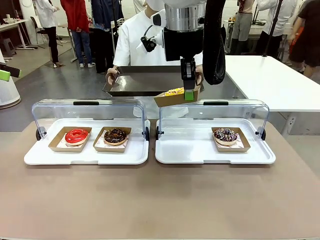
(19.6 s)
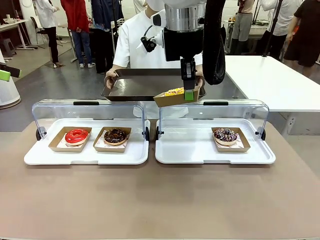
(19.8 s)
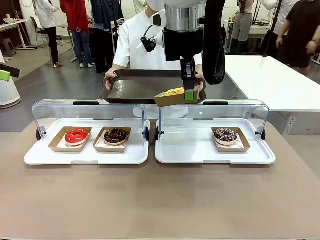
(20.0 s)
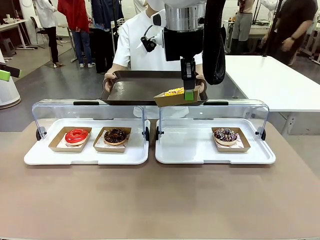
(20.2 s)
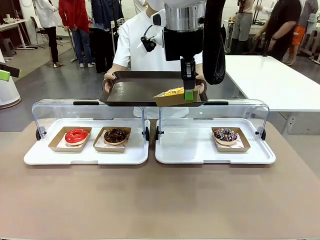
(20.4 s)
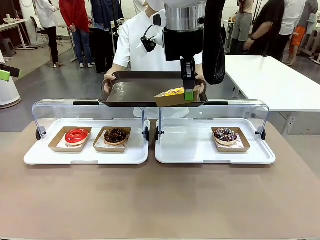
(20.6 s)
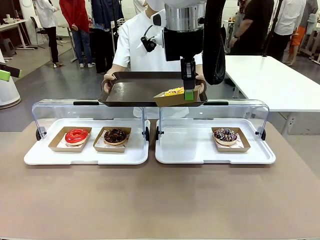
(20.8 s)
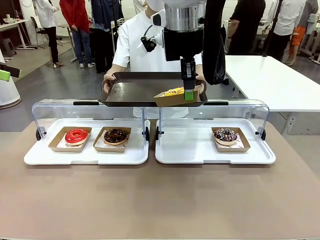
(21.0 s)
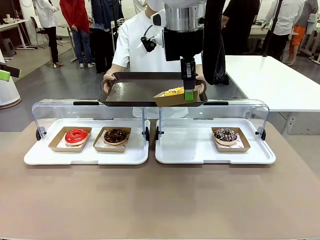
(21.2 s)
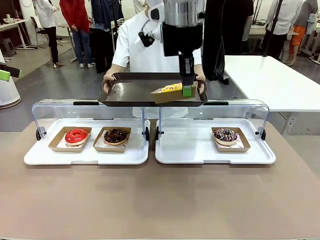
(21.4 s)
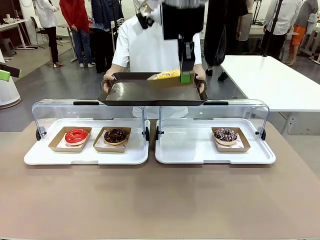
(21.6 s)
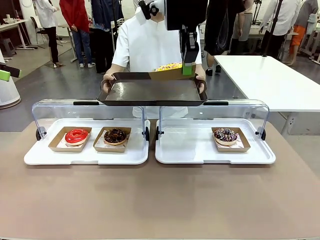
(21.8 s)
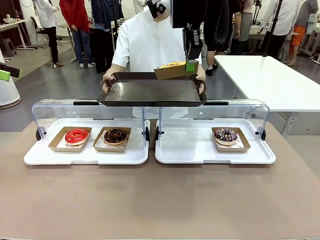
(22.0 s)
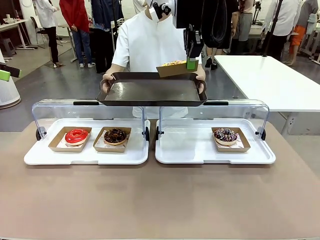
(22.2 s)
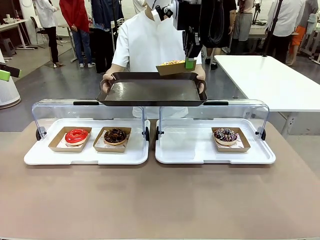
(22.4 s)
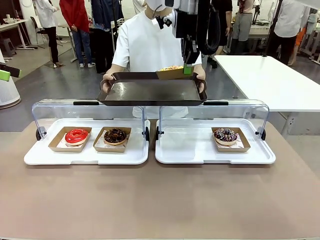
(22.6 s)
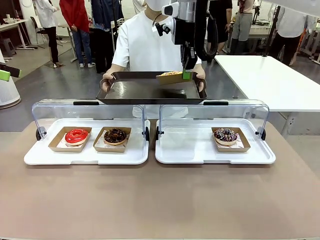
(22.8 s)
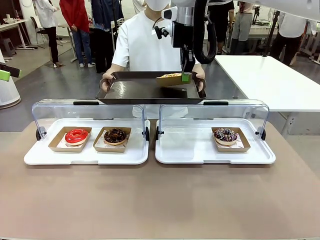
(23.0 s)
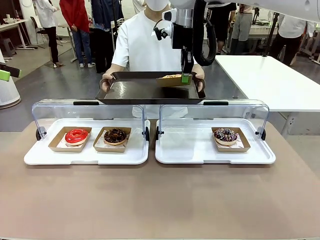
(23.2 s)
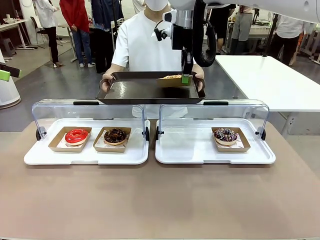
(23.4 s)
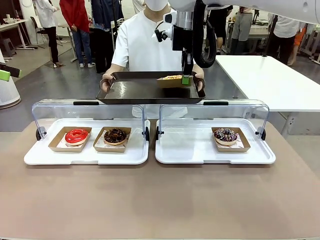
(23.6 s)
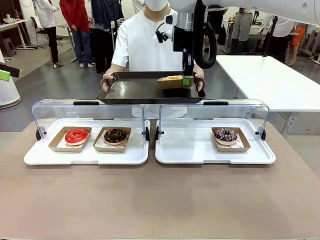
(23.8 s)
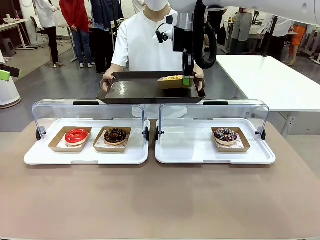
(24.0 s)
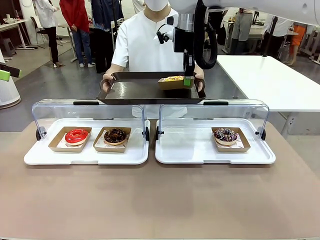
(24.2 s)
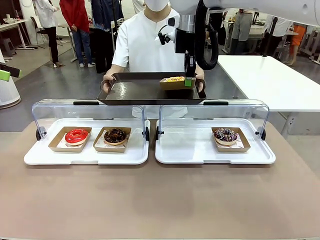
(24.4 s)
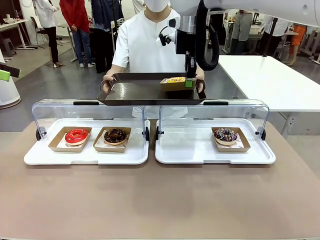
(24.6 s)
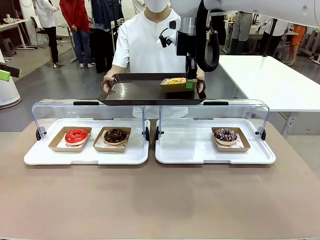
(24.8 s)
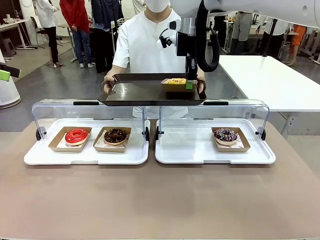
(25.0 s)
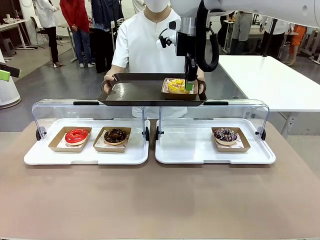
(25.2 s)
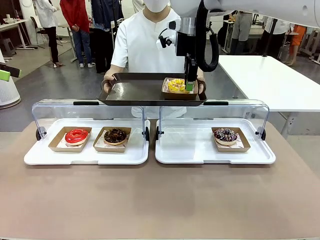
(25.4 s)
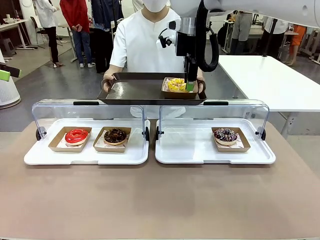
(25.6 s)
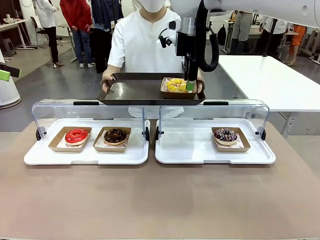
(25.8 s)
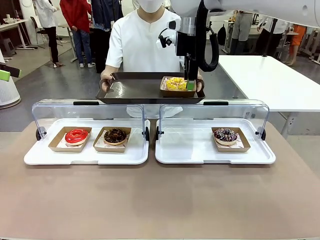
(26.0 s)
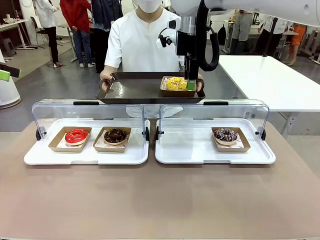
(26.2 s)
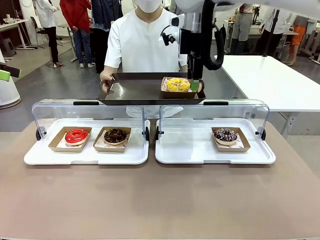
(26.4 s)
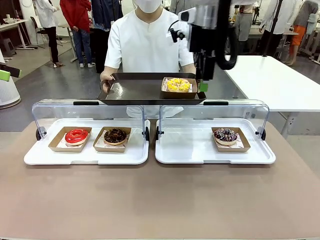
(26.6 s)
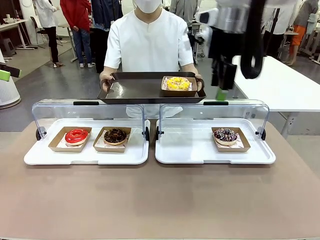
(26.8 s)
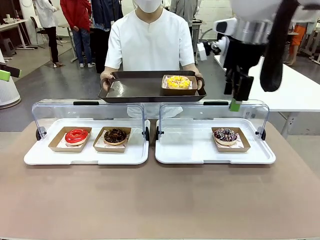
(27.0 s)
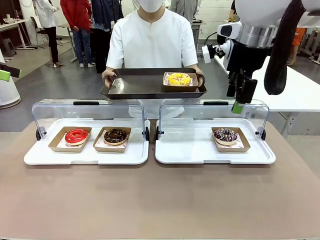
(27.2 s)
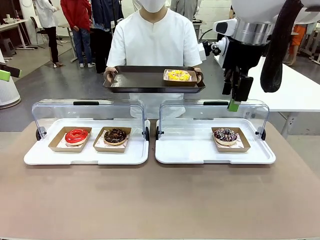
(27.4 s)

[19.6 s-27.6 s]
Task: Provide the desired donut to the person.
Robot: Place the picked Paper togo box onto the Handle tray extended by the person.

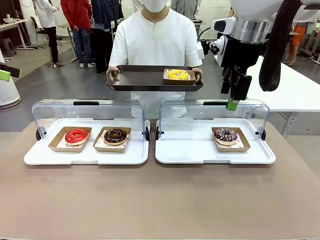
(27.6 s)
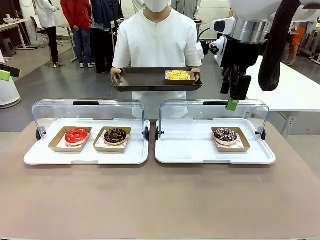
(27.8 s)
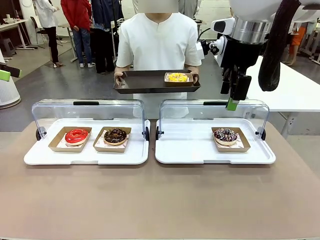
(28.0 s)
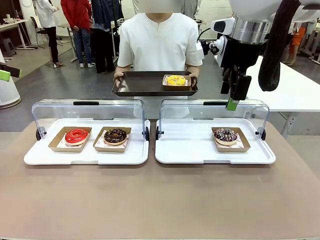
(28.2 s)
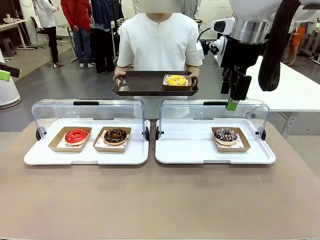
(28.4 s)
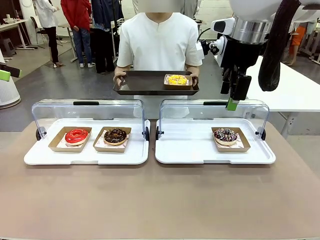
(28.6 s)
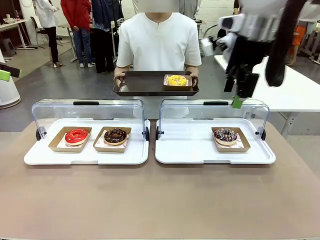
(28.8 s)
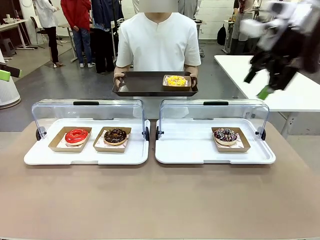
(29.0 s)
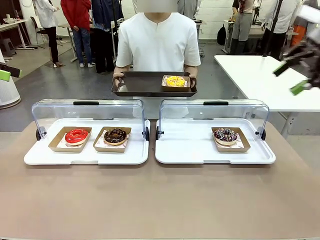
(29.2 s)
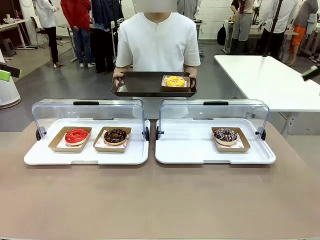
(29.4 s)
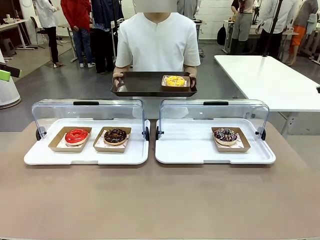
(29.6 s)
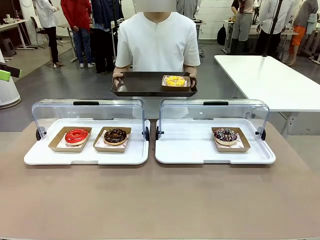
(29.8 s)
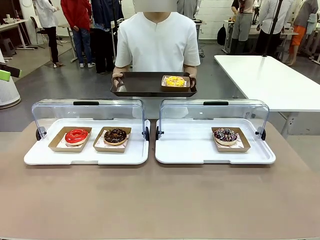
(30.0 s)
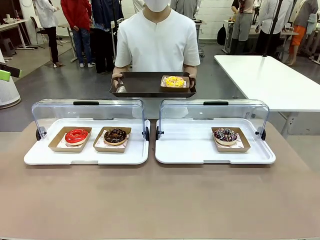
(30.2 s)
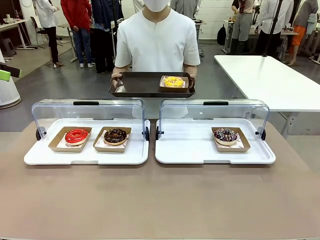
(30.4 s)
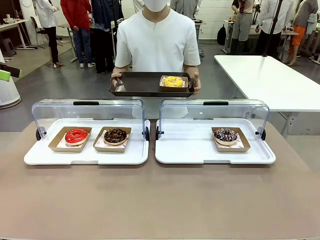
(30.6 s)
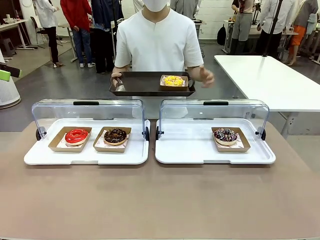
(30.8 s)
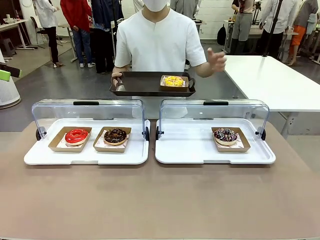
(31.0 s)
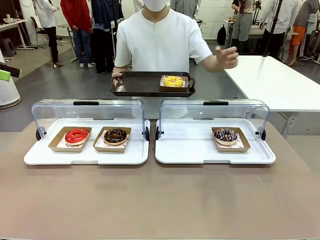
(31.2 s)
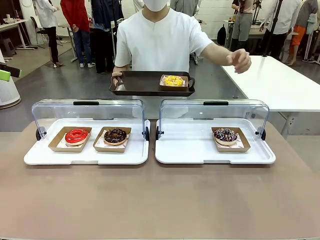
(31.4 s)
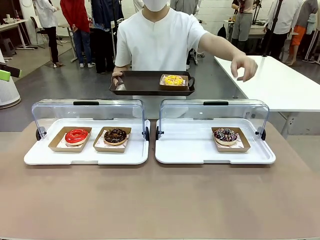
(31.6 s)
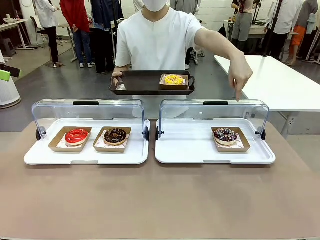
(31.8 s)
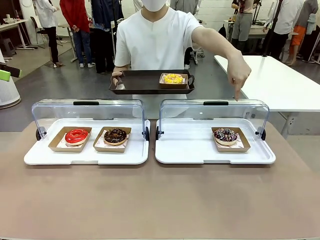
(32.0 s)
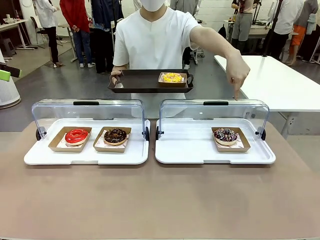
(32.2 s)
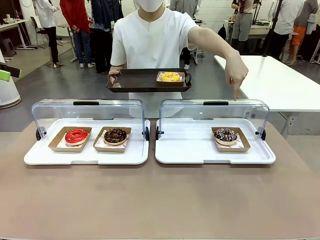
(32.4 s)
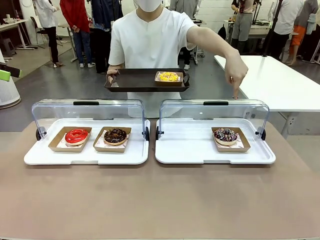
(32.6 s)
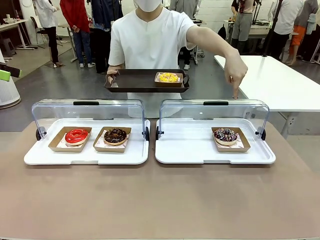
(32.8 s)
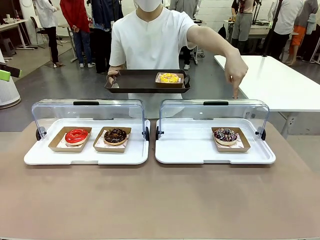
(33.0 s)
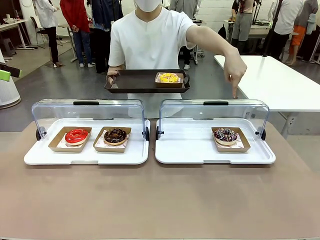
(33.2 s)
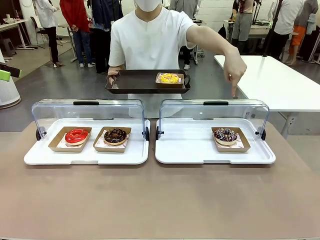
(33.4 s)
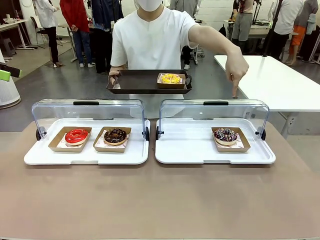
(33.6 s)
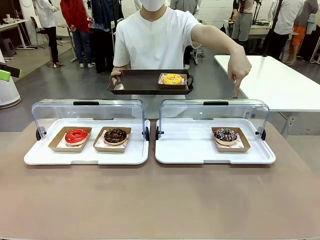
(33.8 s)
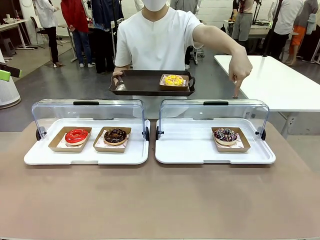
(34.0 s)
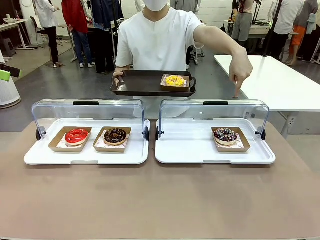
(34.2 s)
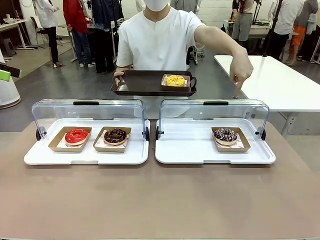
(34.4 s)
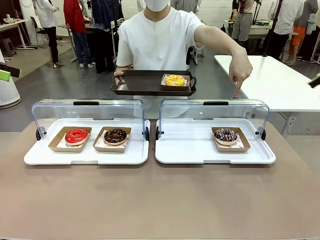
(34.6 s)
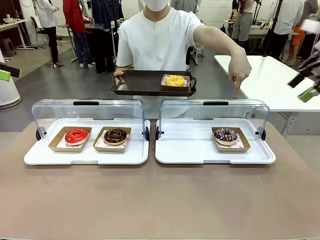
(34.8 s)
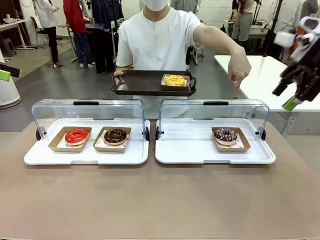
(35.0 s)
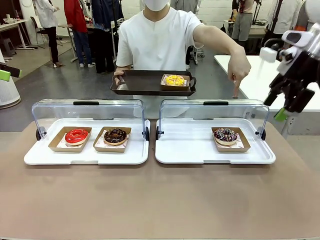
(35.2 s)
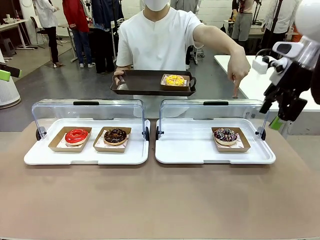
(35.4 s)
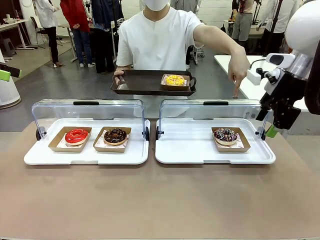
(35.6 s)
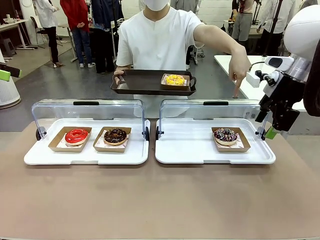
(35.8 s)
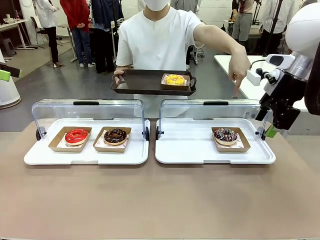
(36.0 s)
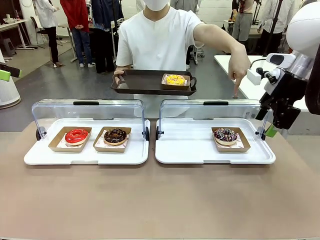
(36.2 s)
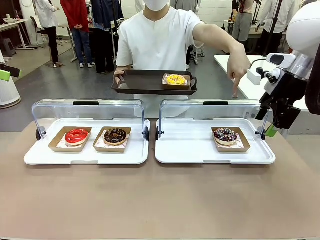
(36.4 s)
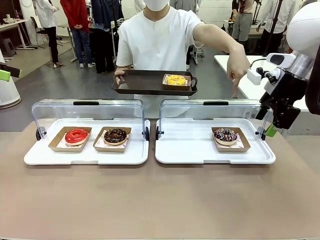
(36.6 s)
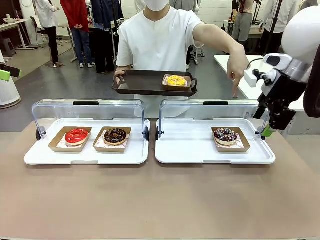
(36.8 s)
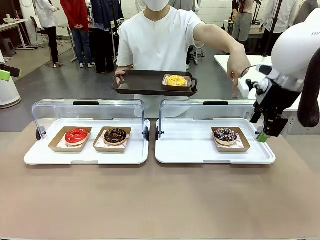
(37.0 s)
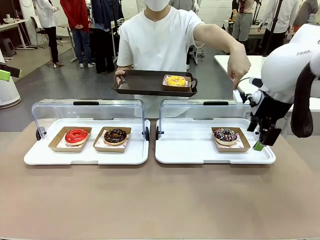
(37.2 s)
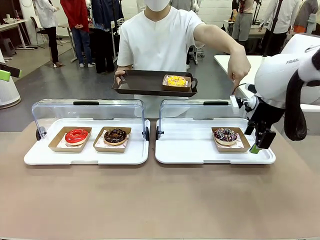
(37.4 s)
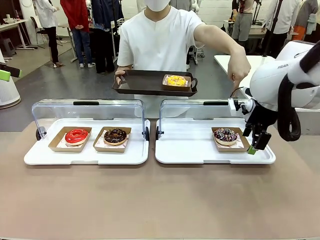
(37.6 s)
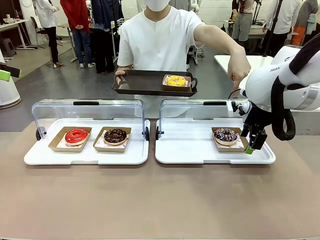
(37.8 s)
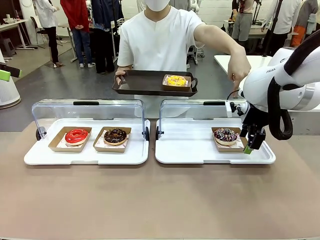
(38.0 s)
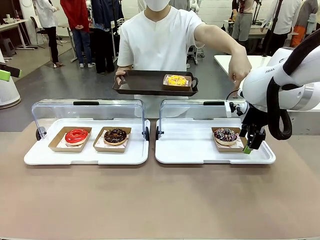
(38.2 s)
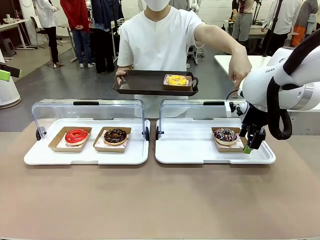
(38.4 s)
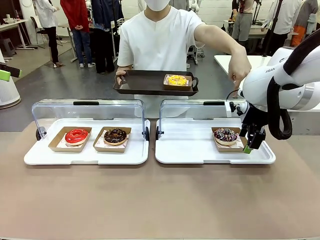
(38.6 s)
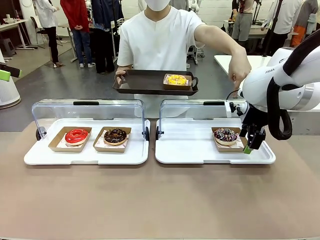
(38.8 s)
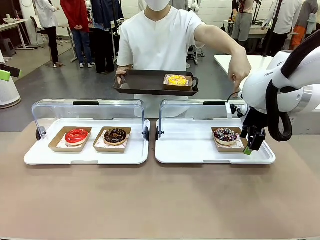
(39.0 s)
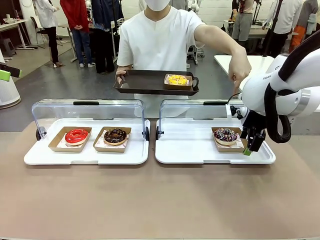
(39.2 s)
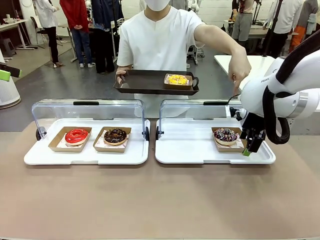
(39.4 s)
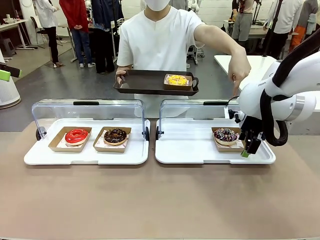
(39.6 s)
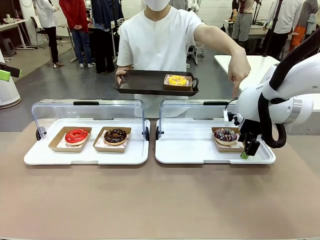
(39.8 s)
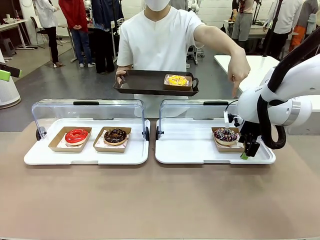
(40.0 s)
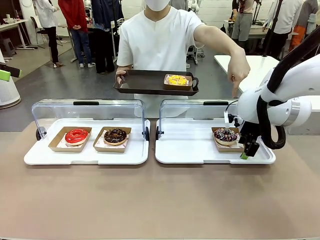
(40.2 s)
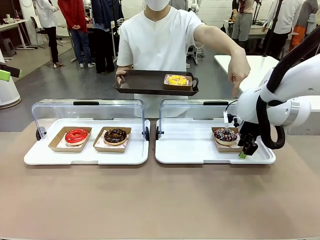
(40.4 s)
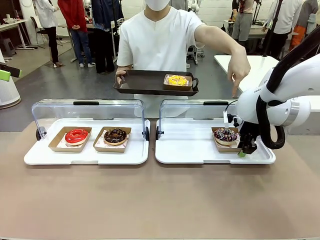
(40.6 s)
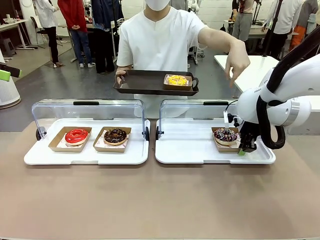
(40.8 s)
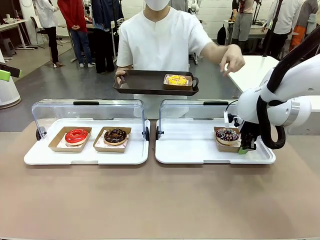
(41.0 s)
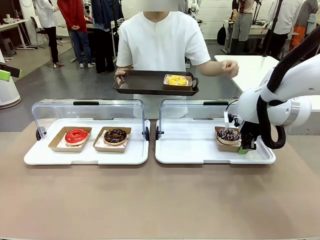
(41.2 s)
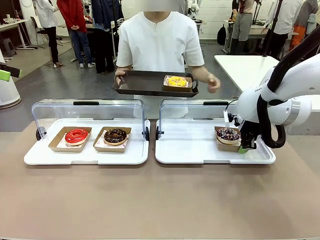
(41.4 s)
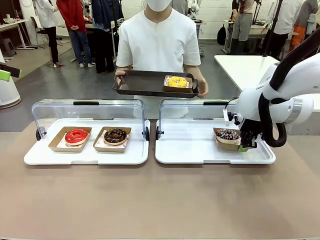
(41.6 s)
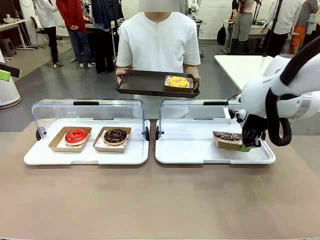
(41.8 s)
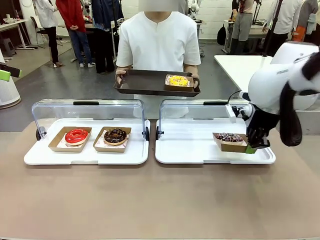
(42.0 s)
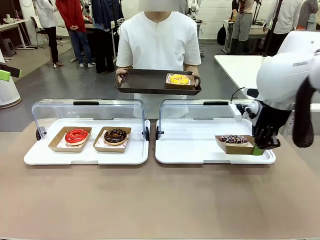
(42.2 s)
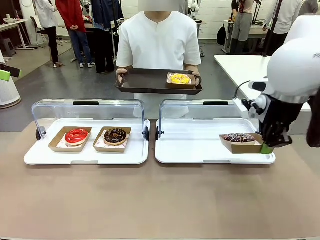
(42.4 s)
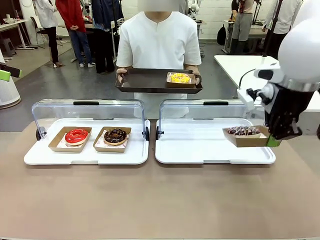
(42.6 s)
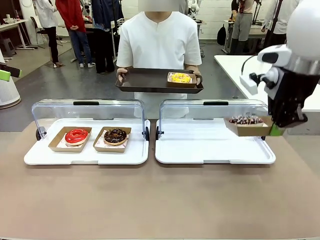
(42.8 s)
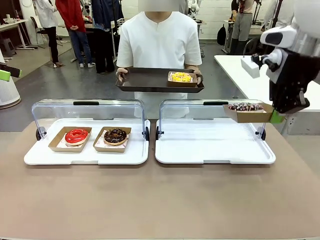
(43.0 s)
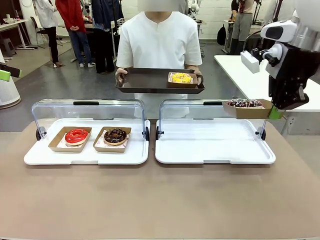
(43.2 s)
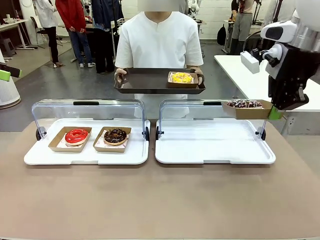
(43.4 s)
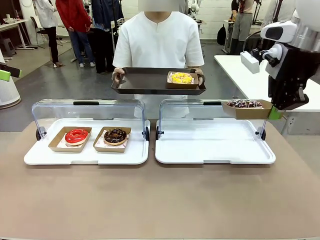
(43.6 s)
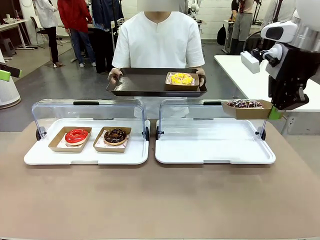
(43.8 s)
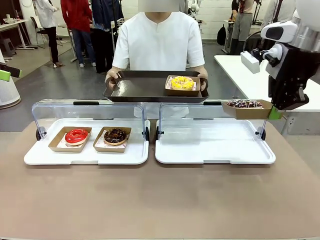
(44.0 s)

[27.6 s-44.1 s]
Robot: Pick up and lift the Paper togo box containing the Donut pointed at by the person.
Person: Point to one donut. Lift the tray onto the Roll-Top Bakery Case.
